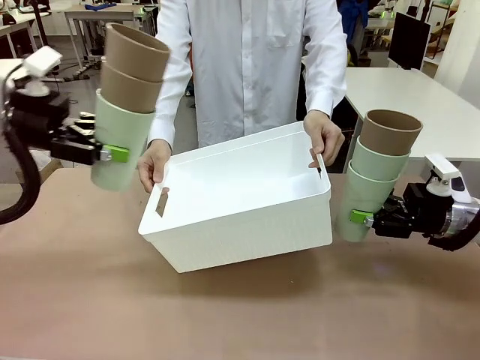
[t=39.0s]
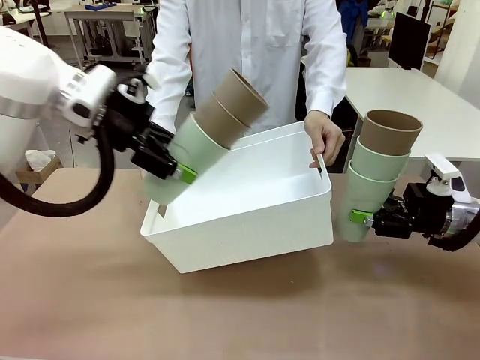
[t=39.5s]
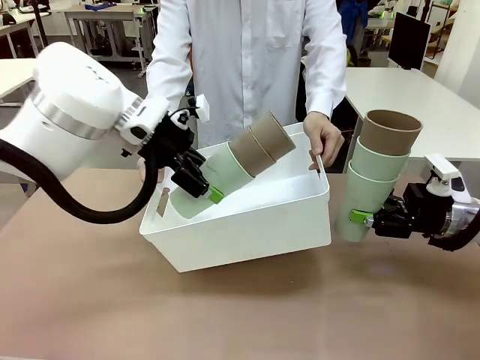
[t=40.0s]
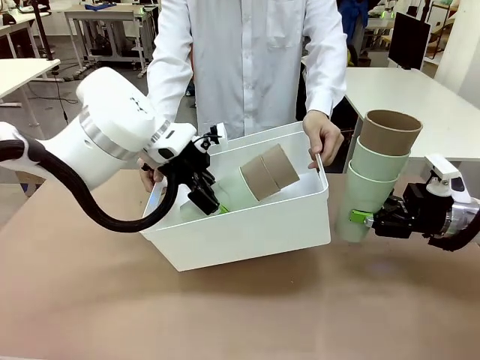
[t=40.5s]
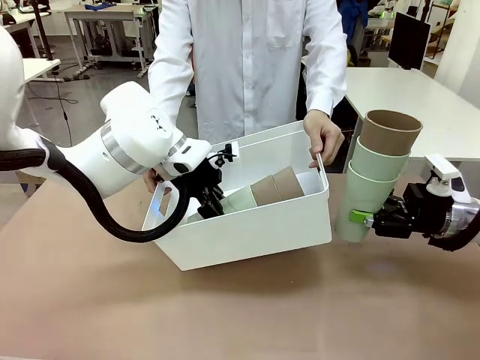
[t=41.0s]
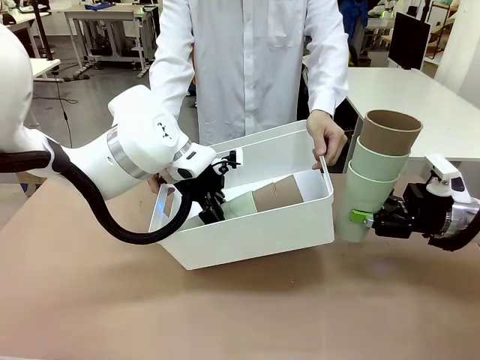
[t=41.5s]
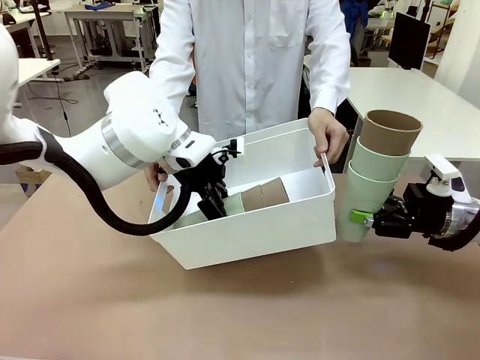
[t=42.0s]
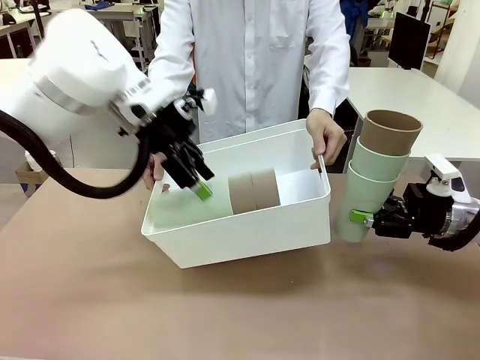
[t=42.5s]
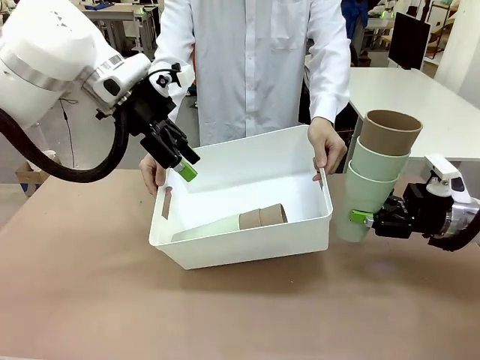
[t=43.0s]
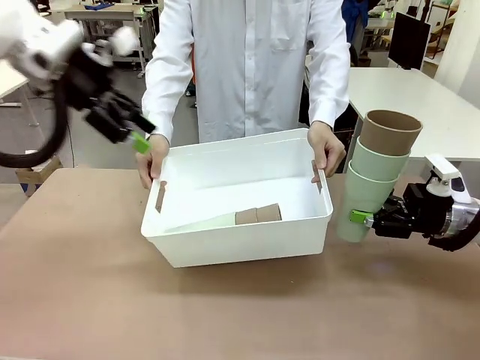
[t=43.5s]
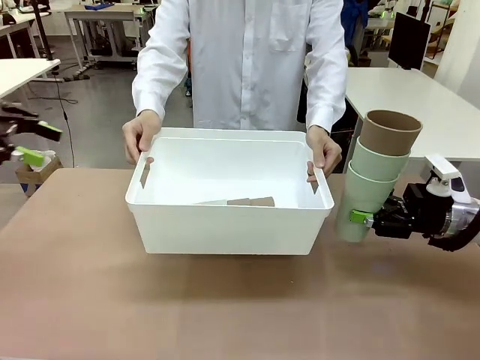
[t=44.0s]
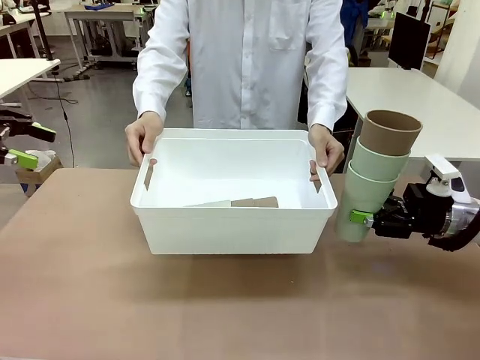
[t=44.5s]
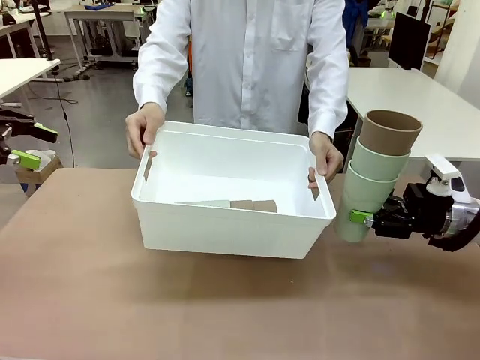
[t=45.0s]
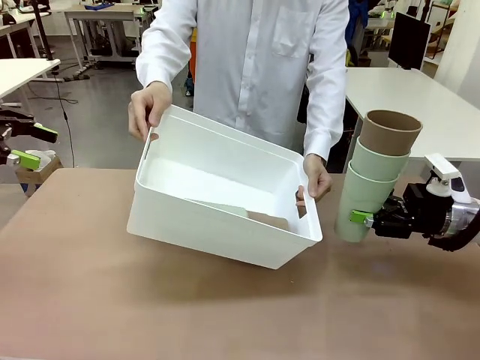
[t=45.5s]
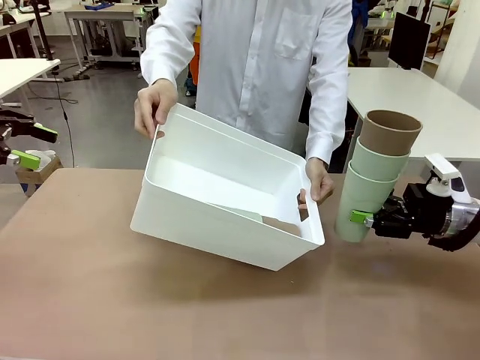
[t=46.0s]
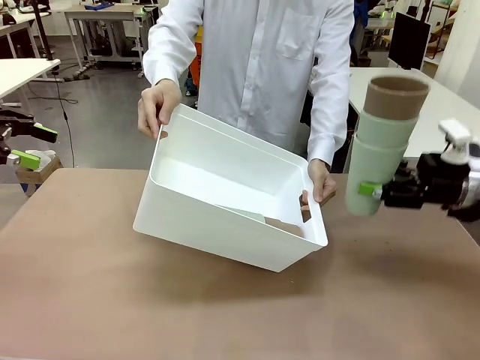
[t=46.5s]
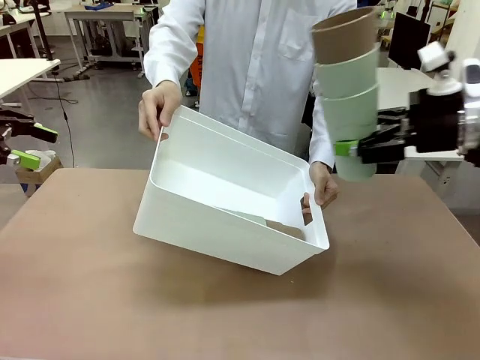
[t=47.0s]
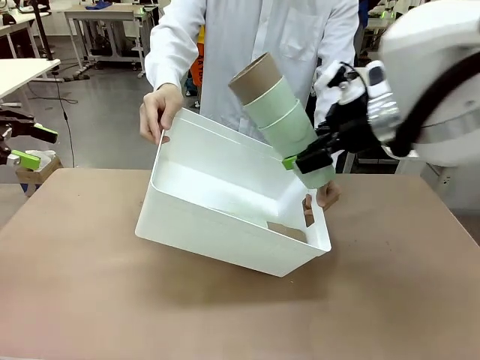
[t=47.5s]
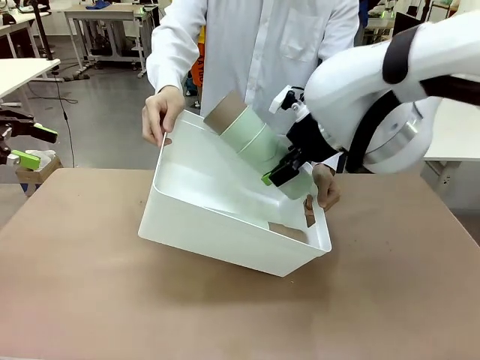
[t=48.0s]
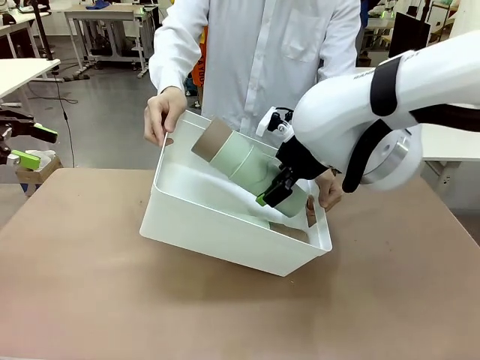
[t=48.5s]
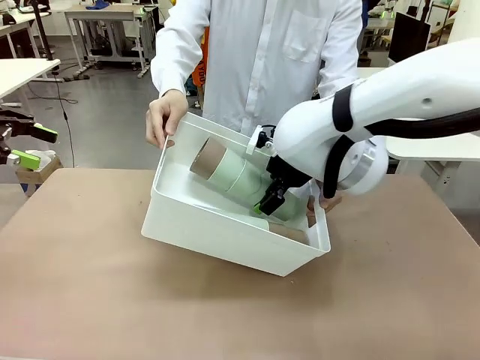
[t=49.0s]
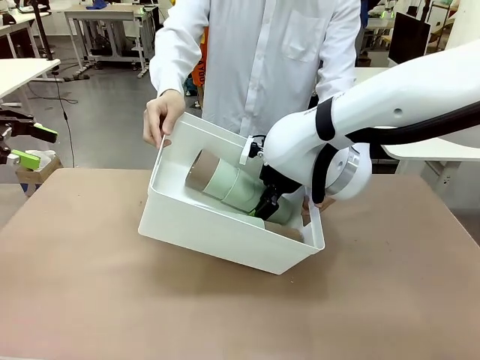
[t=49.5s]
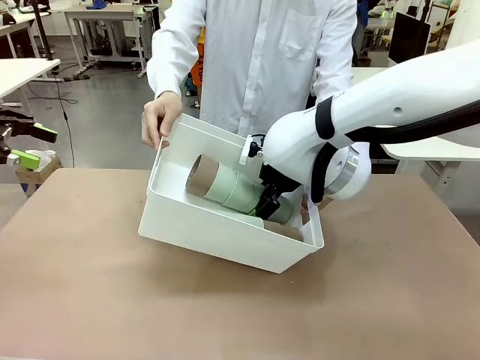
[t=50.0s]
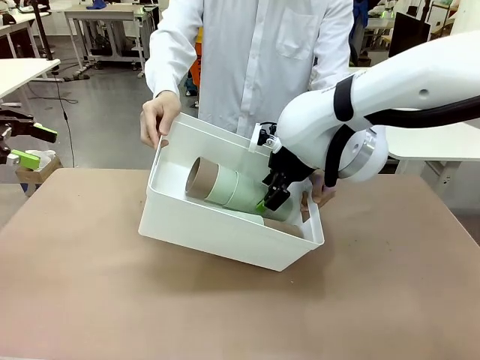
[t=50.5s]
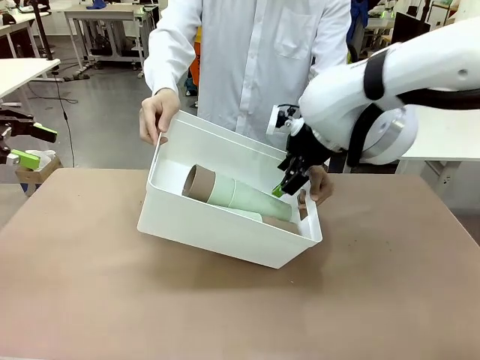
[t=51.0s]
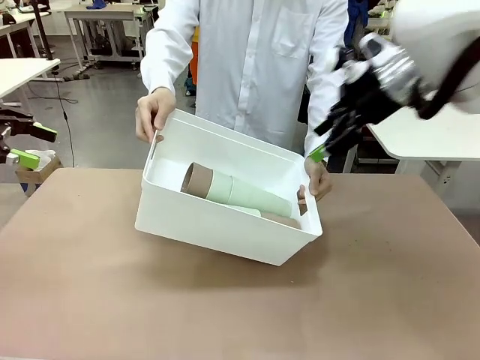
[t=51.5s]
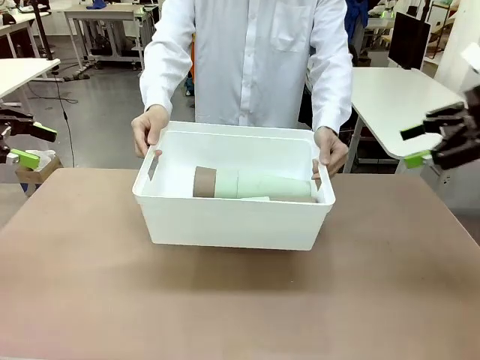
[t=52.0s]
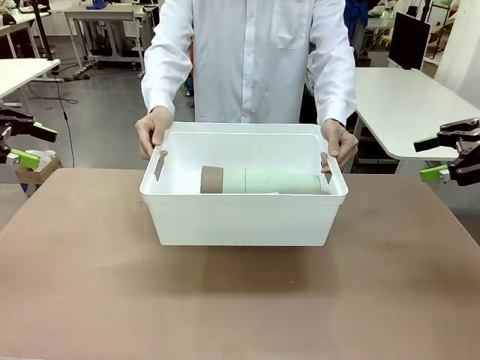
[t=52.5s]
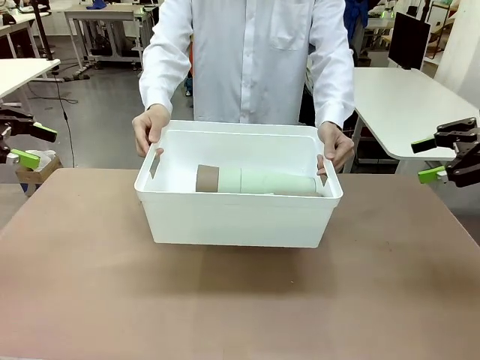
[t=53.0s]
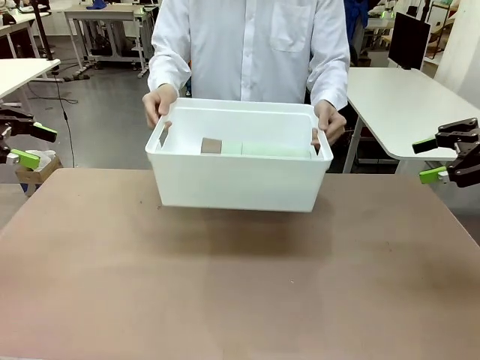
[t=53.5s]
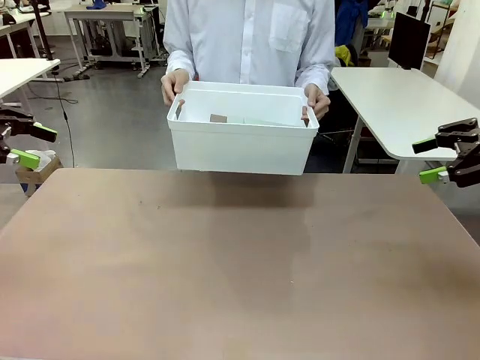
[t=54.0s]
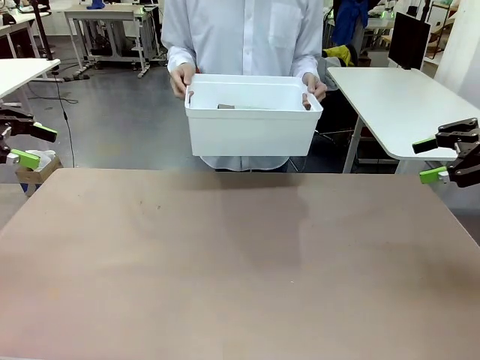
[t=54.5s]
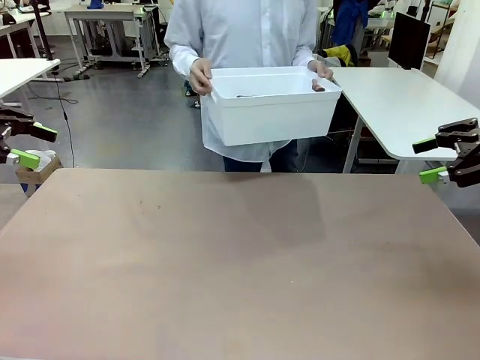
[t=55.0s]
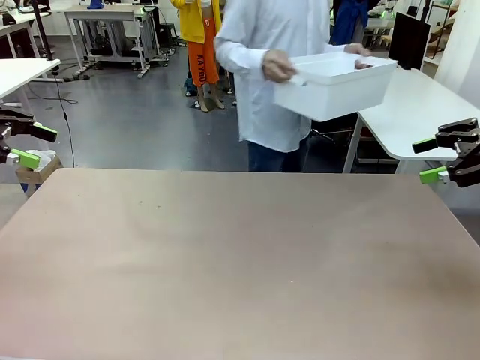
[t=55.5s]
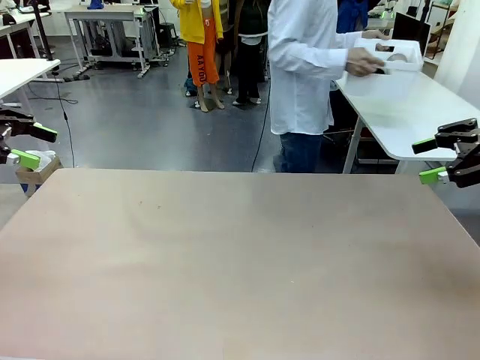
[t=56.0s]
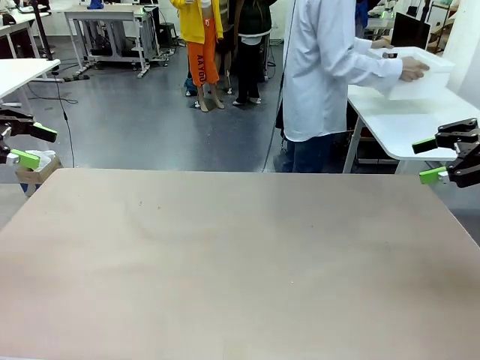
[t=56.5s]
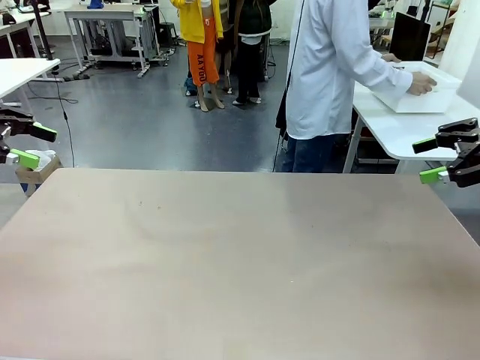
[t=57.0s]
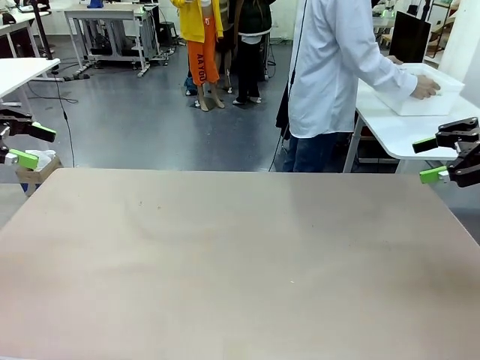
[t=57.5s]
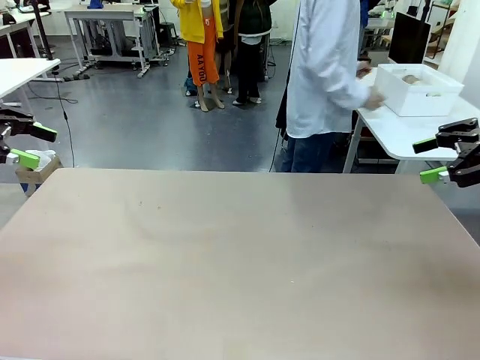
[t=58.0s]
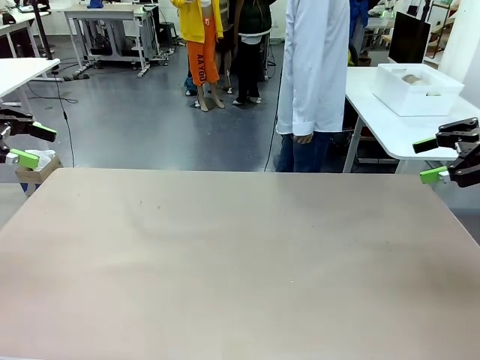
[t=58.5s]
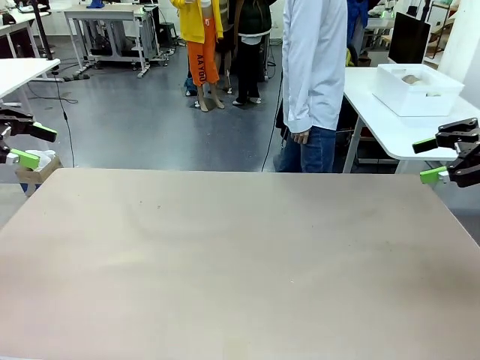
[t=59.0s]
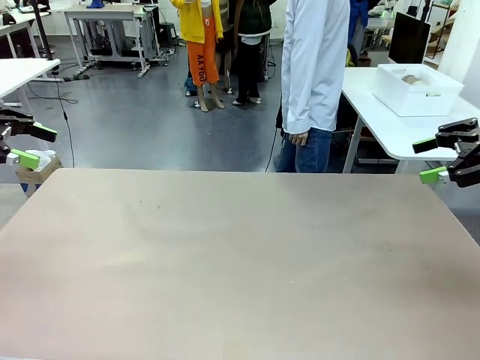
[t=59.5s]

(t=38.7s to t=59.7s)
Task: Stack the cups and store them in the basket.
Robot: Place the stack of Reusable plastic cups into the Pantry Basket.
Person: Place the basket containing the cups in the middle of the Human Table.

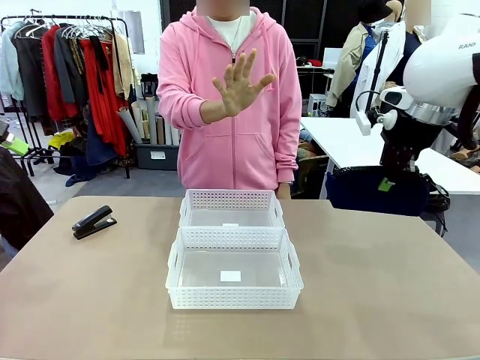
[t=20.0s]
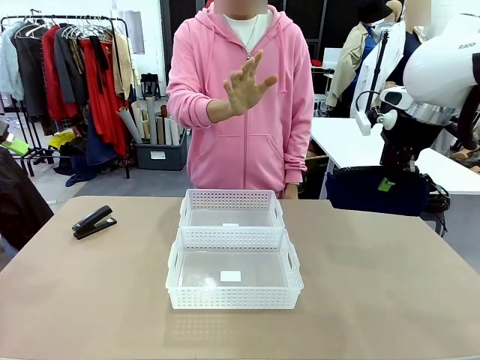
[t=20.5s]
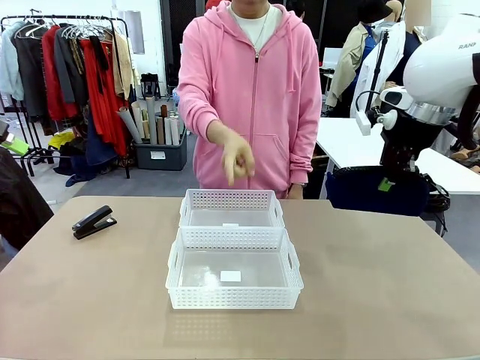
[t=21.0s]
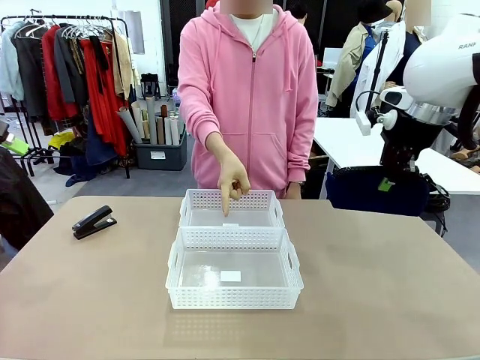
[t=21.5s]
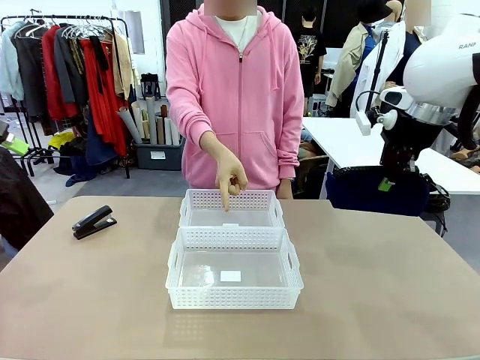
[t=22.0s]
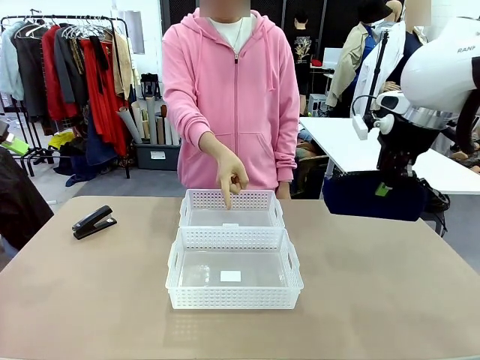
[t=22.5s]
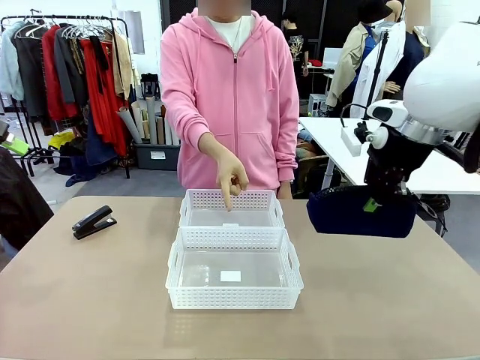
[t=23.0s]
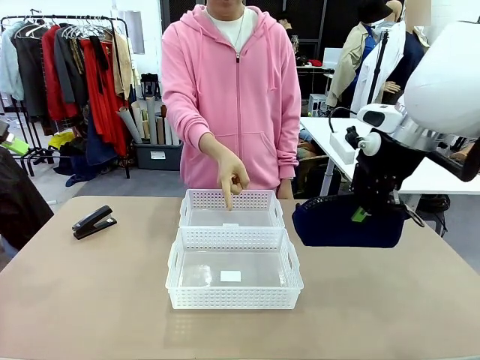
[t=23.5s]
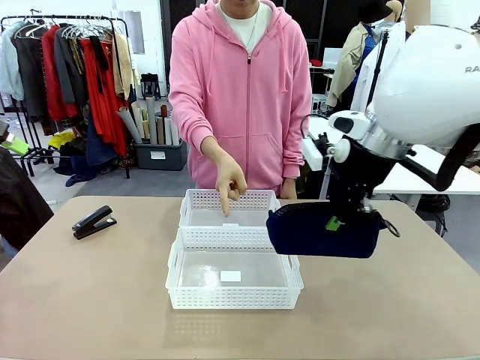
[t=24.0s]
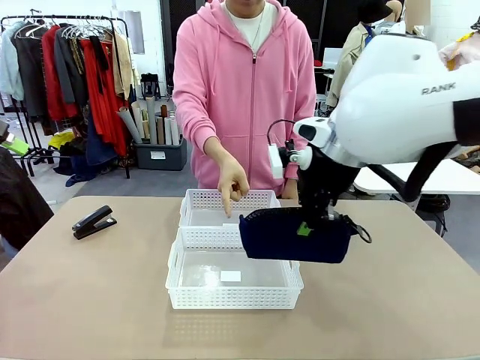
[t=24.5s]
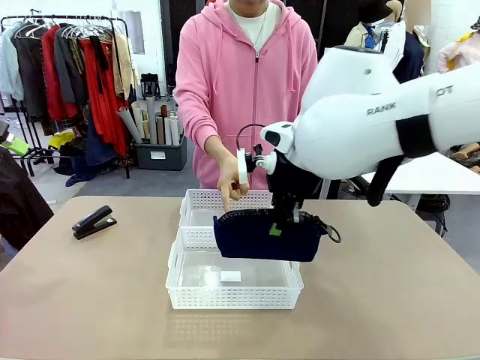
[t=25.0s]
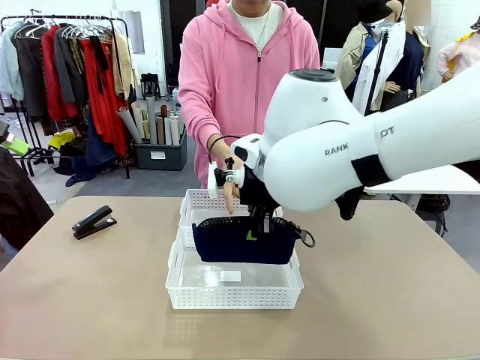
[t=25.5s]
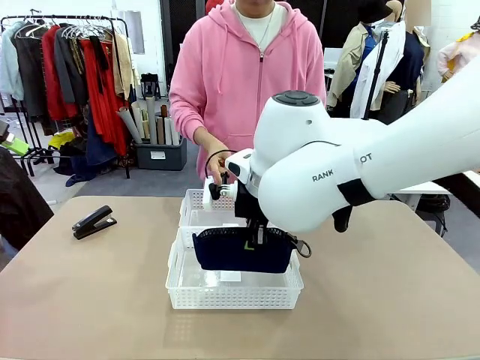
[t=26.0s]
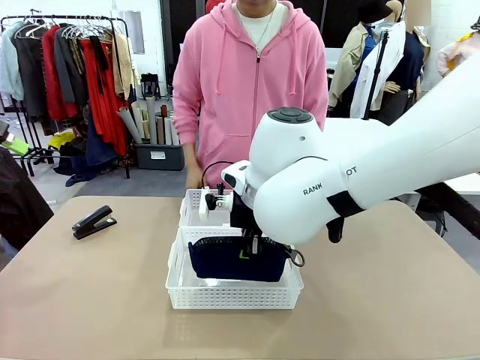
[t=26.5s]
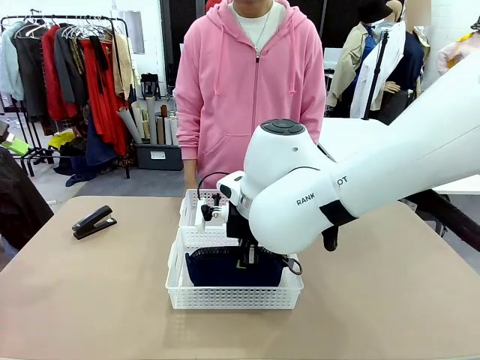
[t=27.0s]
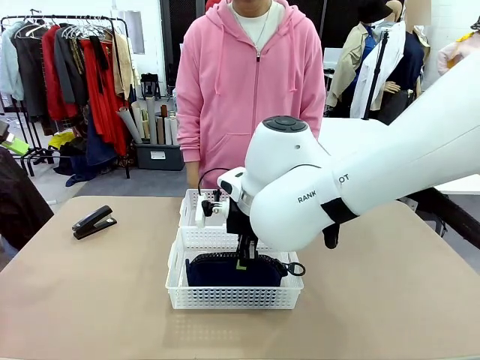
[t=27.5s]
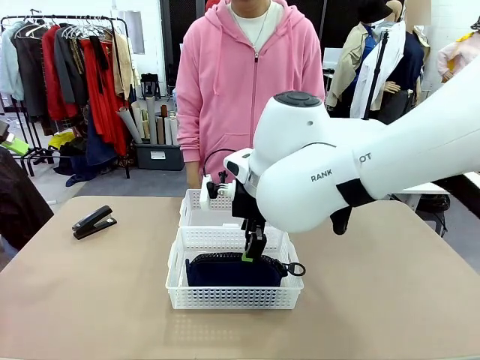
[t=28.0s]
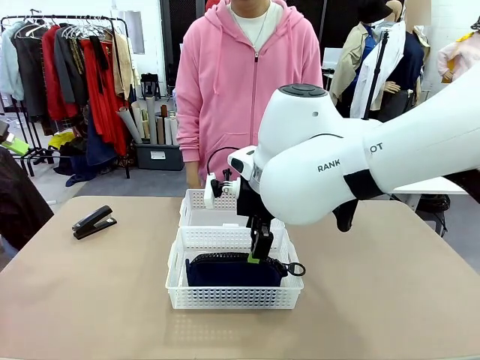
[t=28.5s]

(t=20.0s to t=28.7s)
Task: Distribute items into two baskets.
Robot: Place the picked Pencil pouch into the Organizing basket as instructed by the person.
Person: Instructs the robot to place the pencil case into the opposite basket. Points to the stapler.
